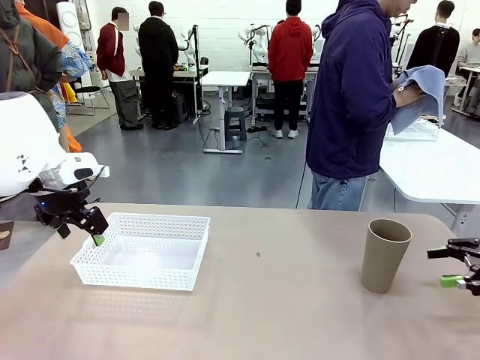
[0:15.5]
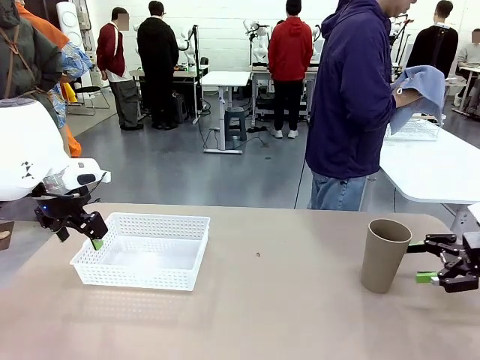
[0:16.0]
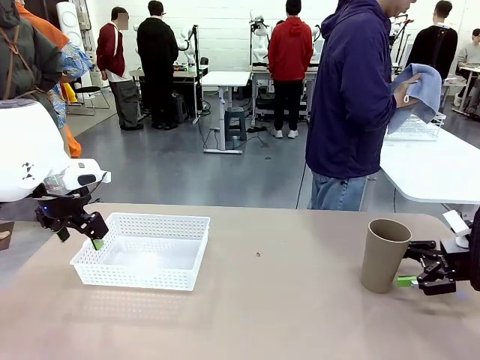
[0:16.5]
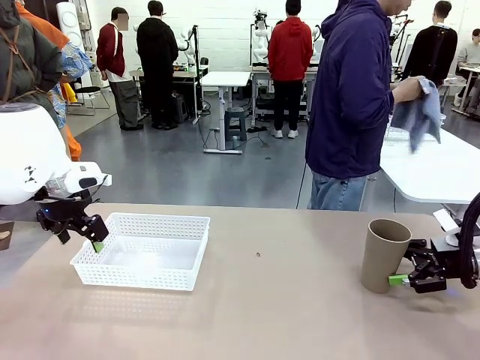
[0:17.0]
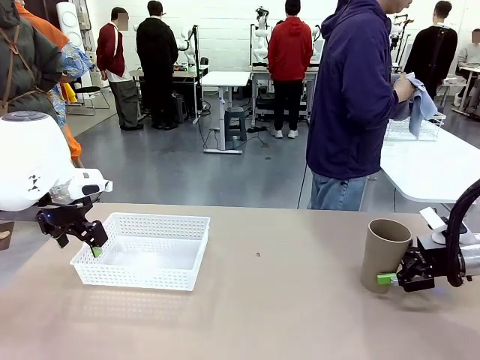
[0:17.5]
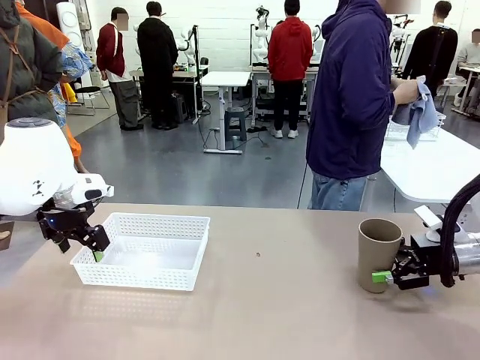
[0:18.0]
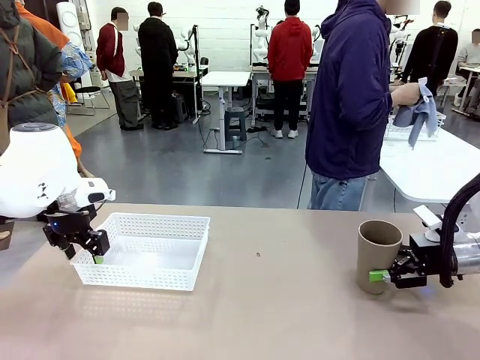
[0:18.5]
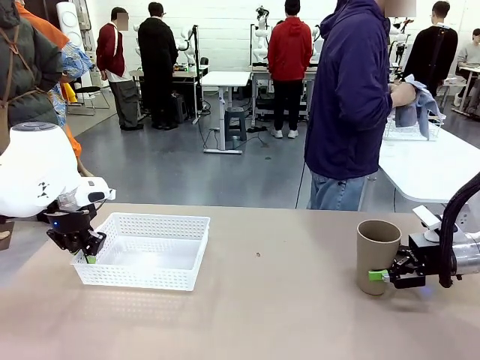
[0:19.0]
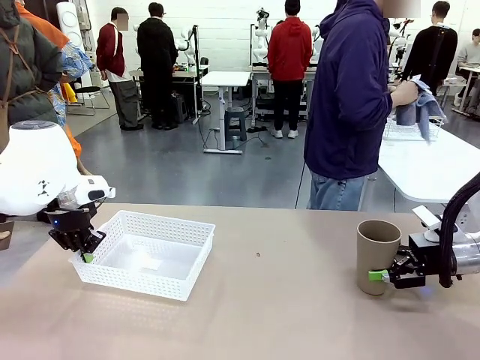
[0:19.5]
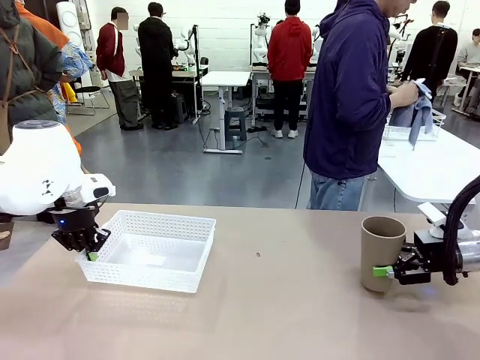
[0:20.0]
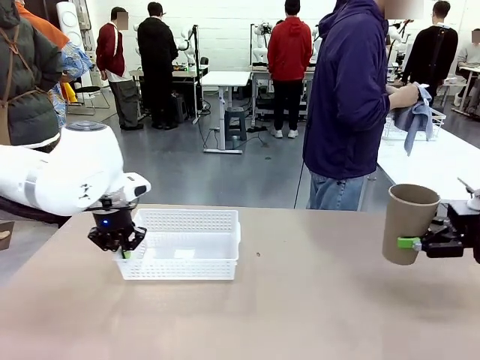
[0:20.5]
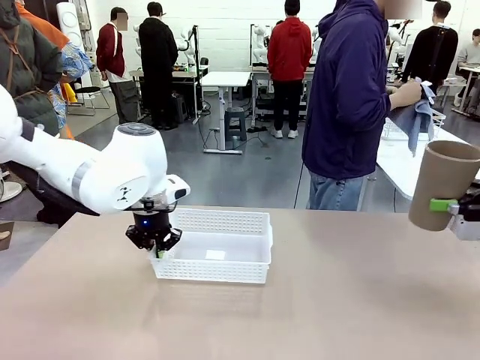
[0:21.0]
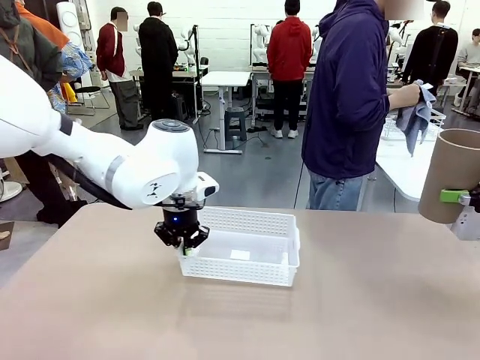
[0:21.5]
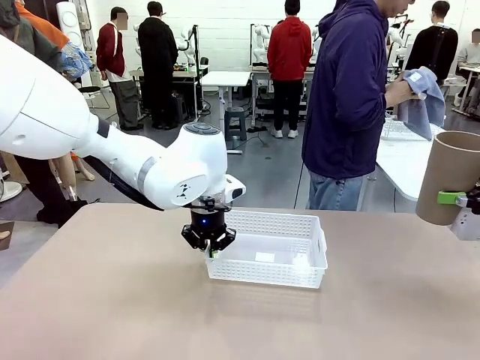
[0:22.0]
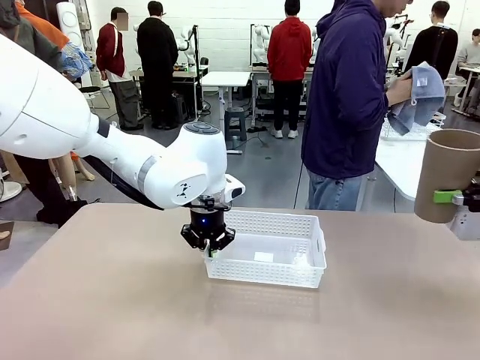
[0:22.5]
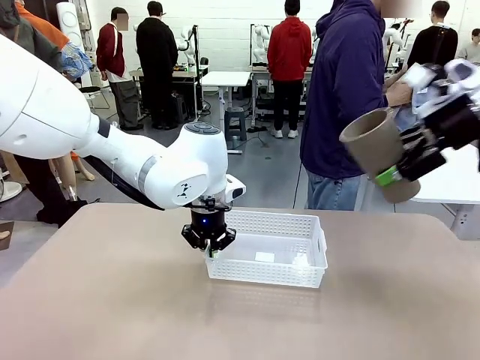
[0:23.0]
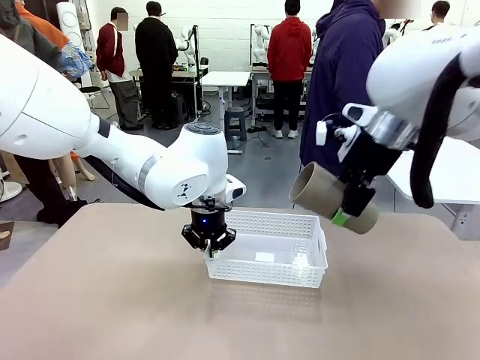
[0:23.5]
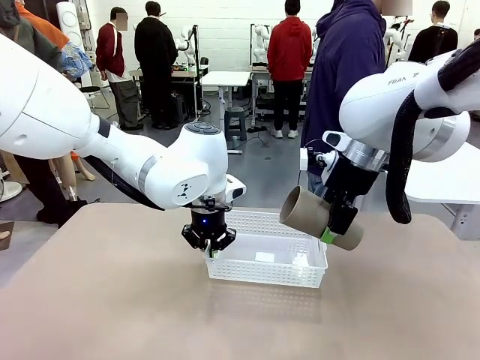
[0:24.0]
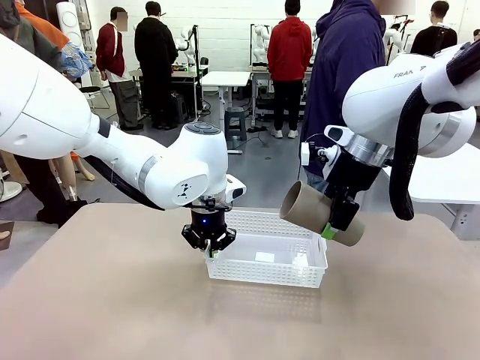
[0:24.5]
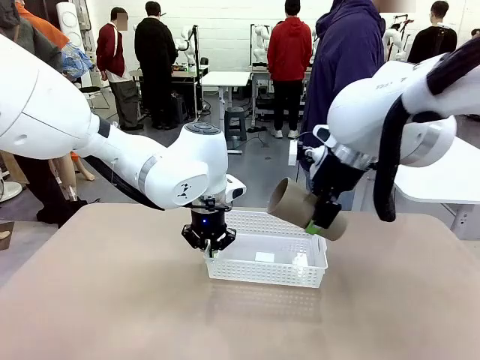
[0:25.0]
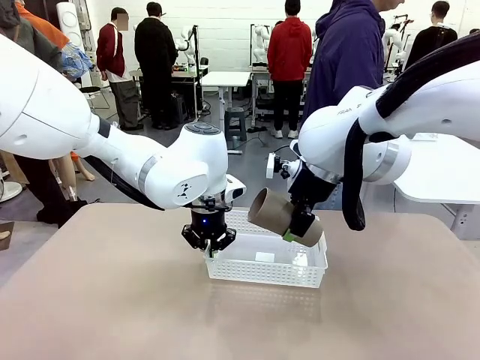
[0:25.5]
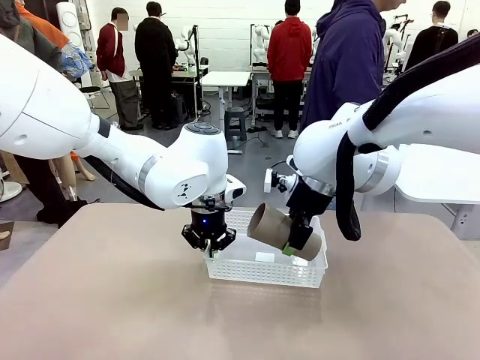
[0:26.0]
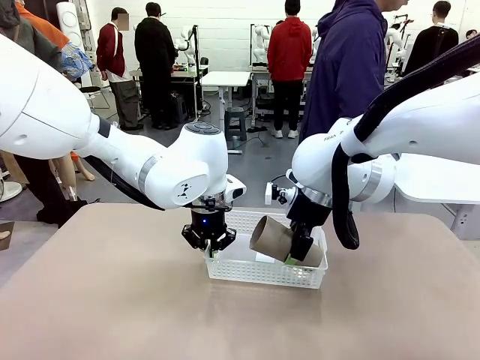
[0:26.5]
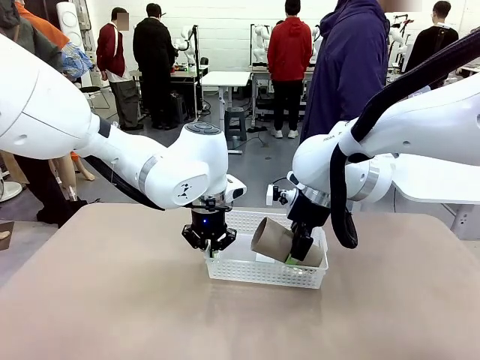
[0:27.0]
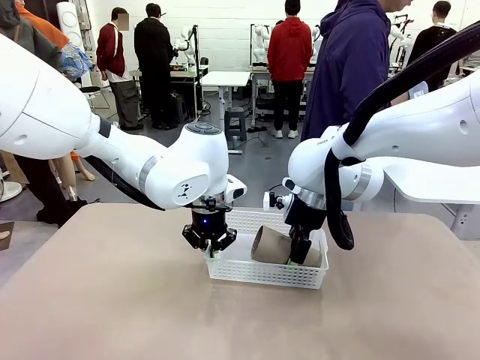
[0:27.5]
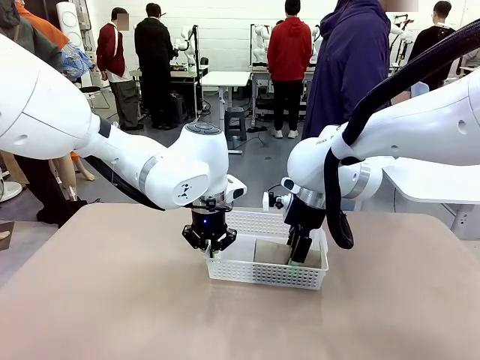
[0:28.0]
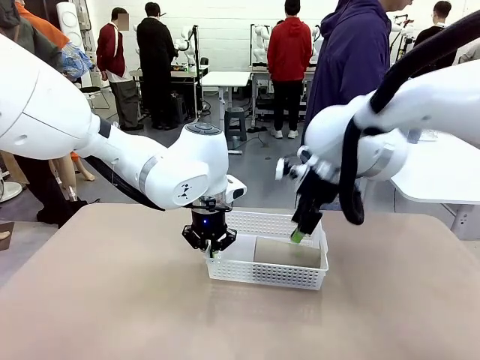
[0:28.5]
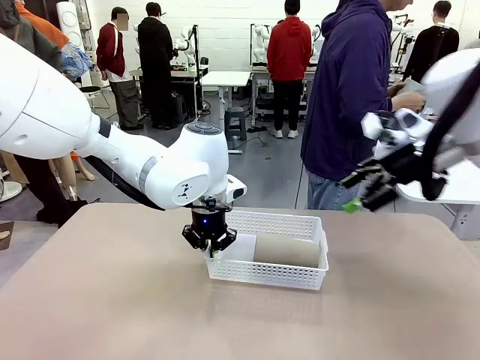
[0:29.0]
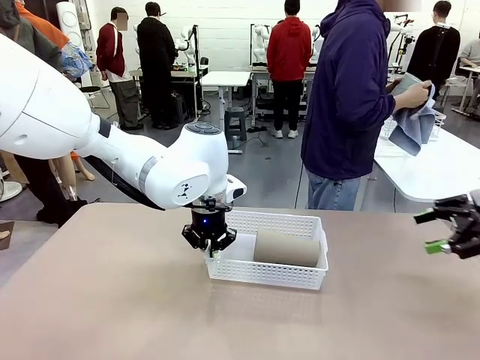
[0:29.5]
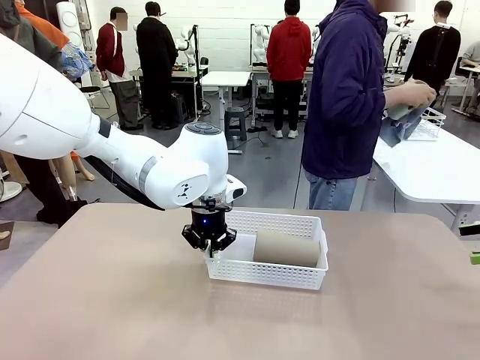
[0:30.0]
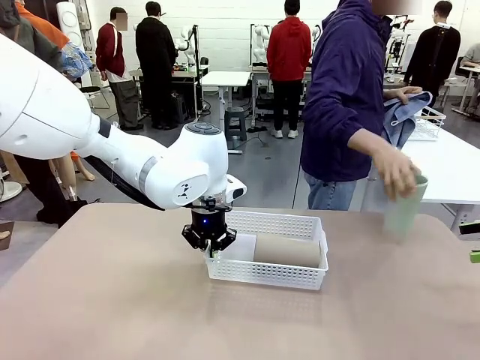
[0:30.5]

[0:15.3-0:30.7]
Task: Clean and organize the cups into the basket.
Robot: Pick up the Organizing basket and move it to the center of the table, then pick up the Reusable plastic cup from the right side of the table and place it inside the Organizing basket.
